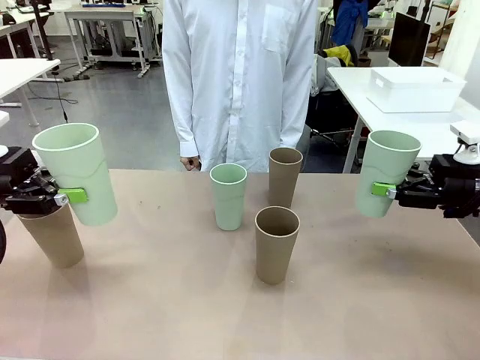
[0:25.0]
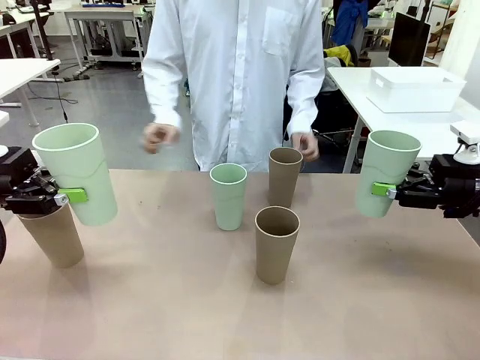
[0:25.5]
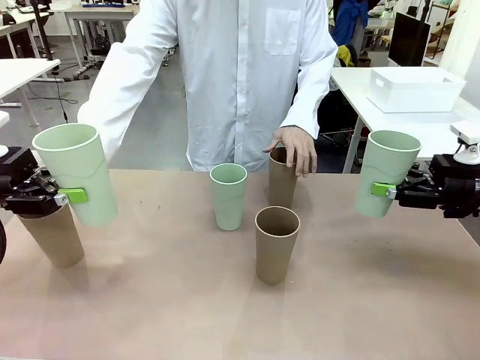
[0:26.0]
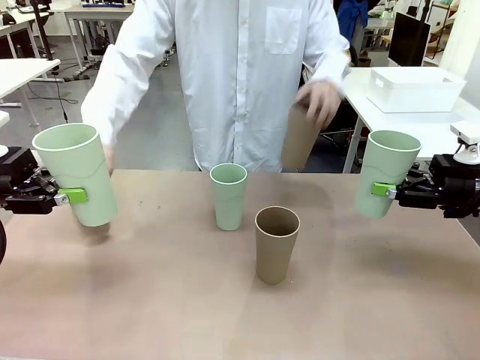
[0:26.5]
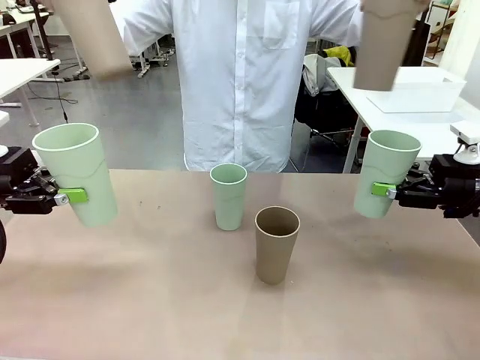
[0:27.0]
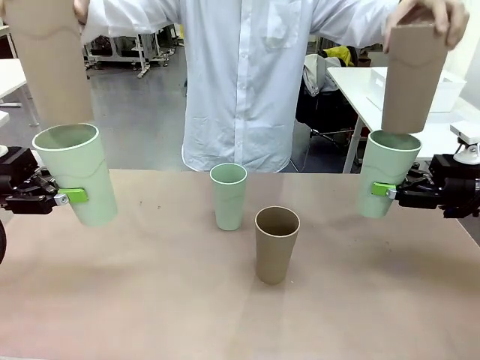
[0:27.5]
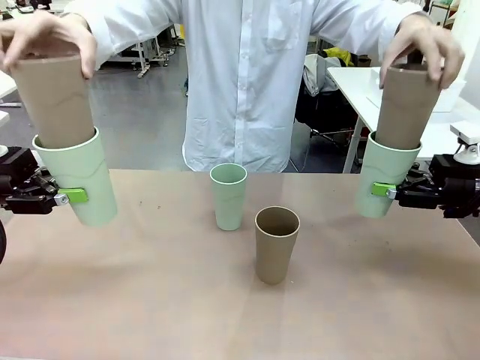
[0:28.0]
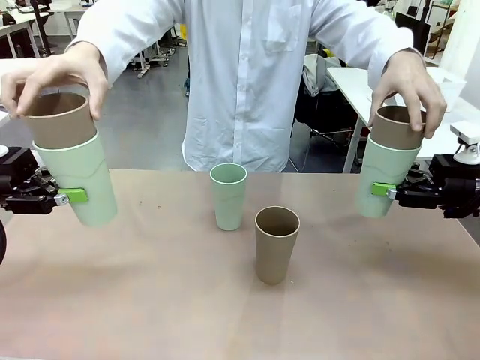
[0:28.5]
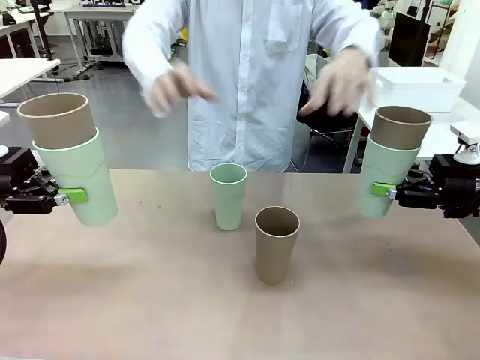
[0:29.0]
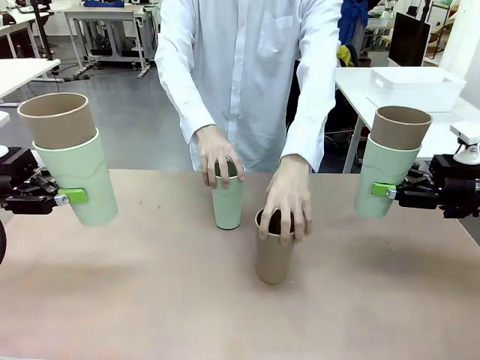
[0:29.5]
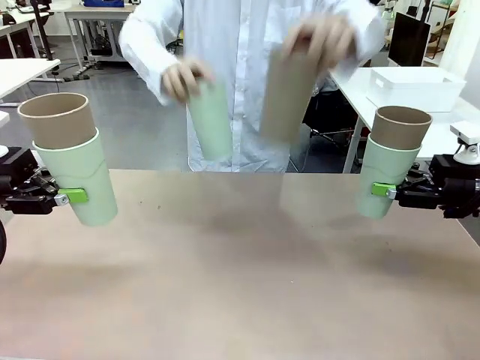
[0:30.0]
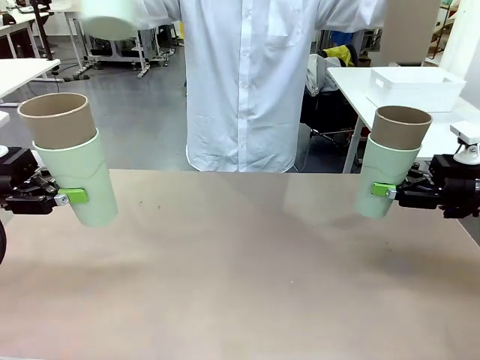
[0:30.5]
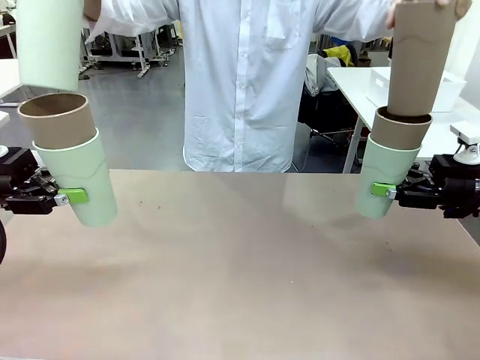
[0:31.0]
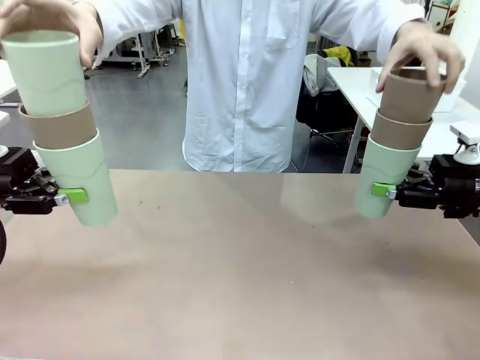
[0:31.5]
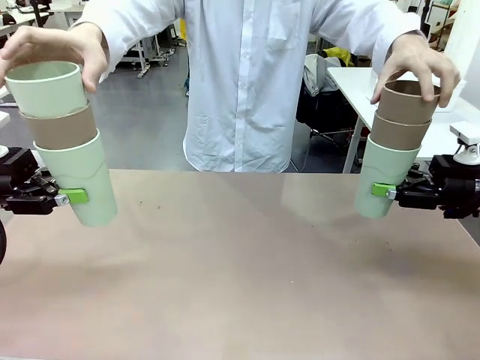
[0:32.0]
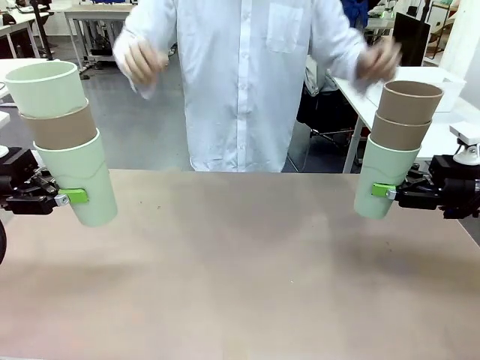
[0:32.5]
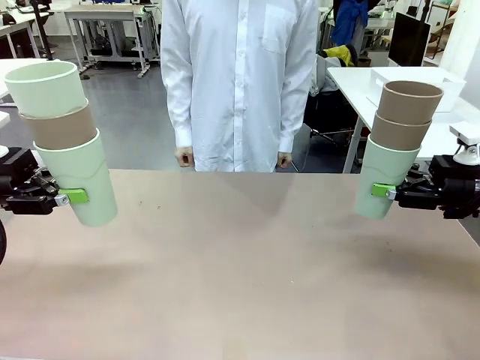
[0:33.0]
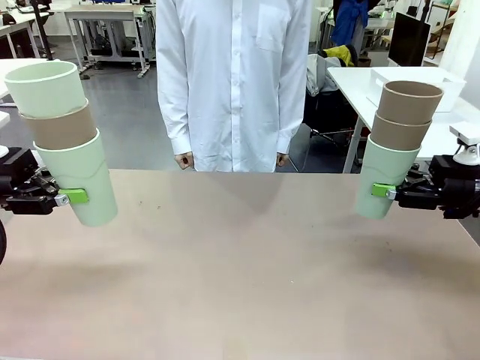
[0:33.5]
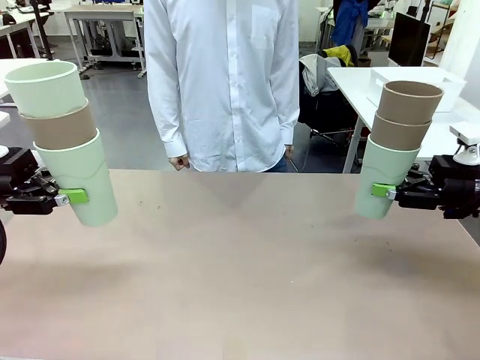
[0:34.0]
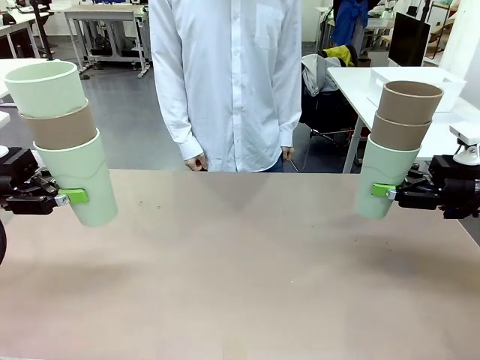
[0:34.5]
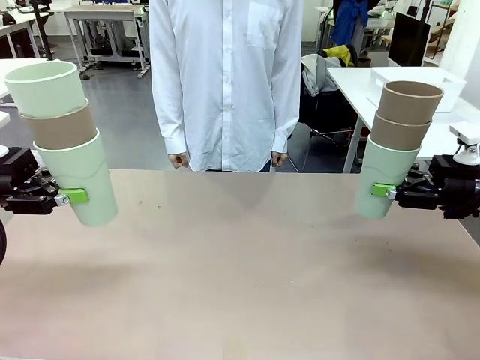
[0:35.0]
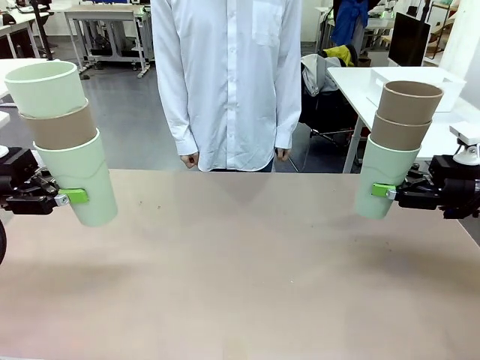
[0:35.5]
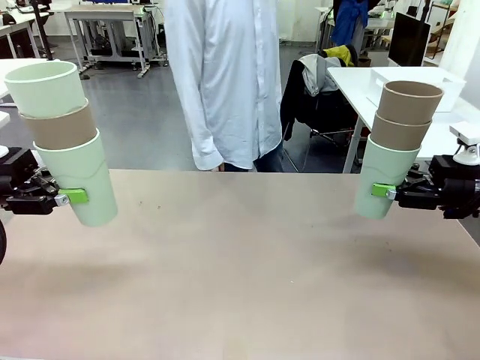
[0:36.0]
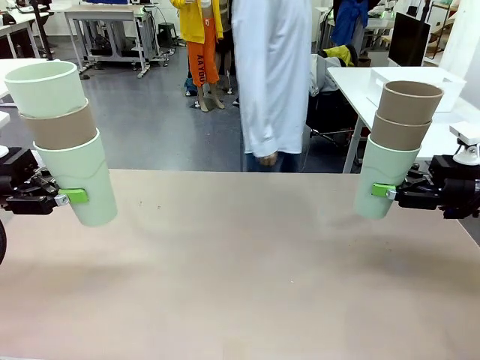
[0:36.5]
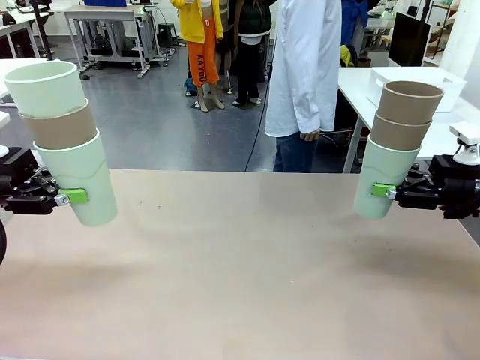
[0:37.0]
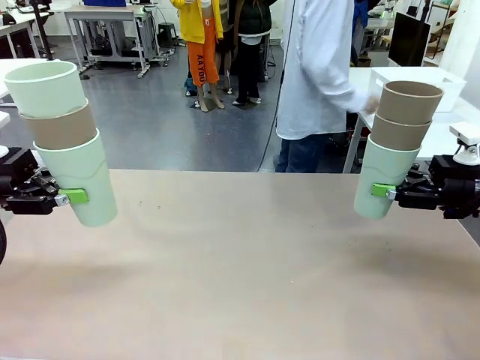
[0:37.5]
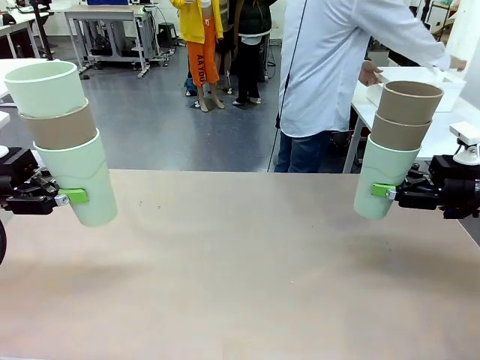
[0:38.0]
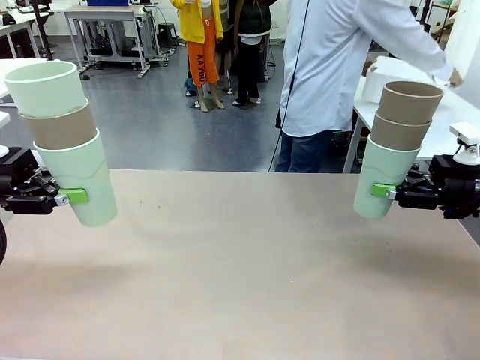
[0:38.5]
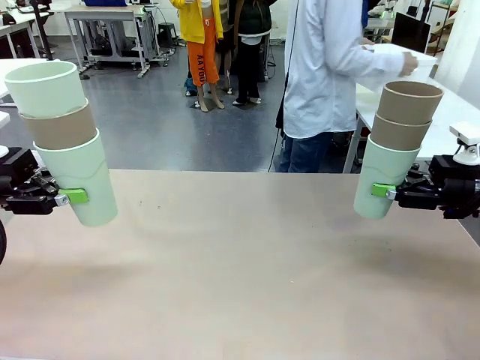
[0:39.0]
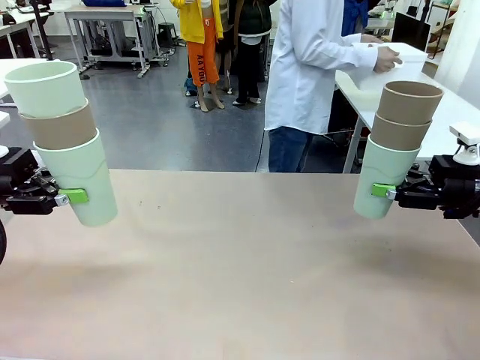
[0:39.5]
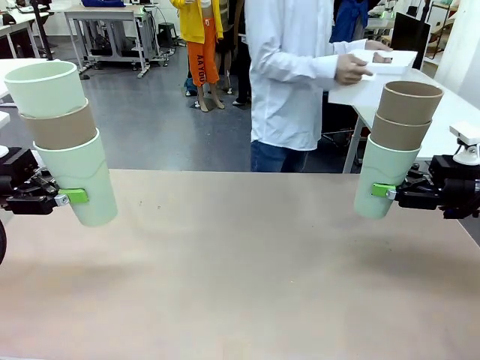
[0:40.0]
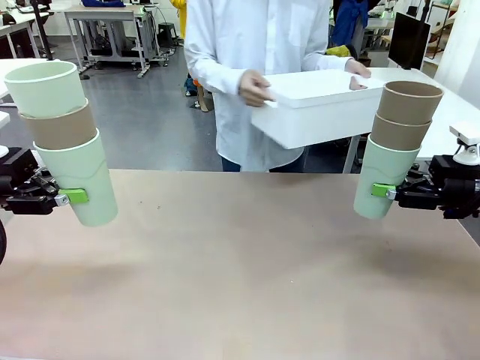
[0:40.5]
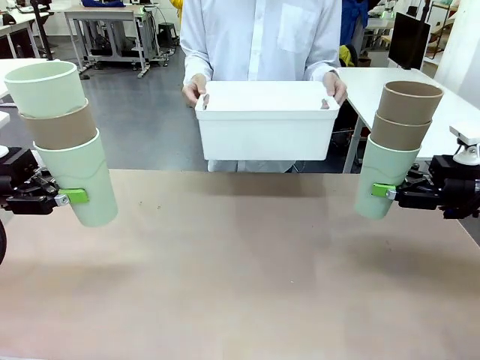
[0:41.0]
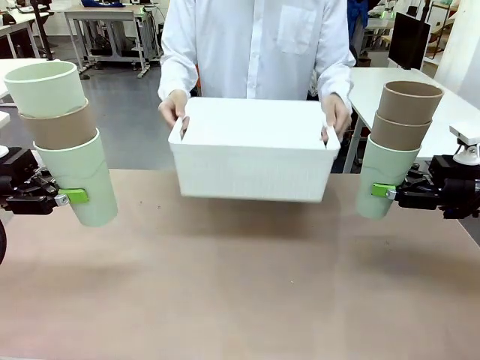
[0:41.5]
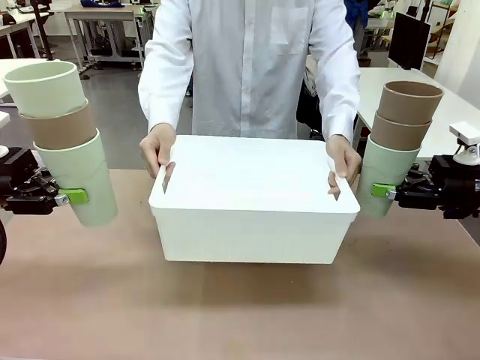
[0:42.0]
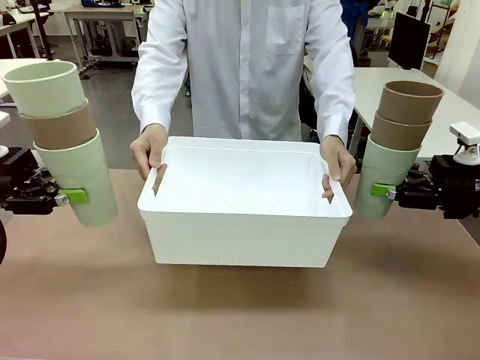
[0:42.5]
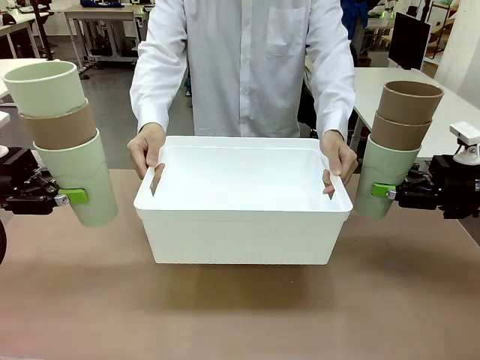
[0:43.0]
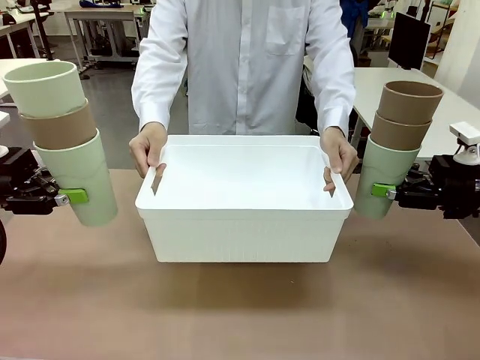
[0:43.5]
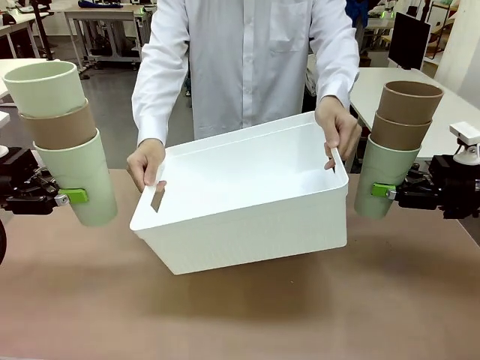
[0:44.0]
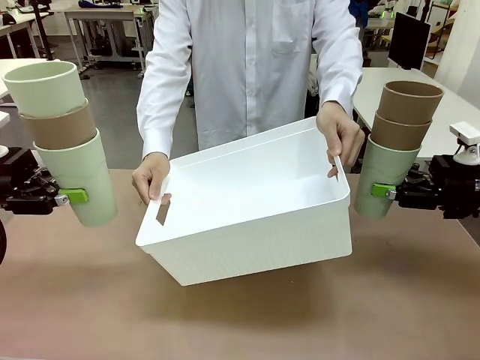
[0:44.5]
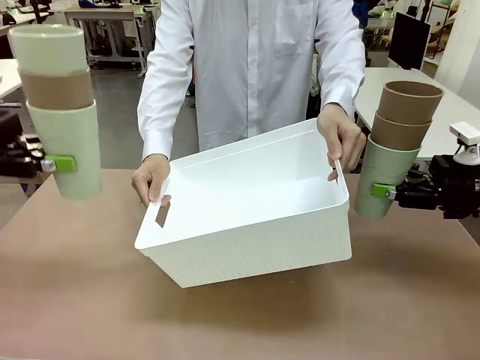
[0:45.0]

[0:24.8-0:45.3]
Task: Stack the cups and store them in the basket.
Robot: Place the stack of Reusable plastic cups into the Pantry Basket.
Person: Pick up the basket from the Human Table, bring it to the front of the robot, and present it.
